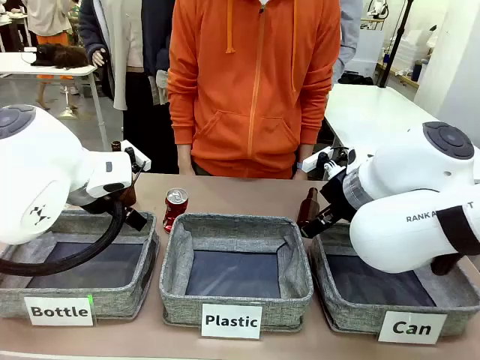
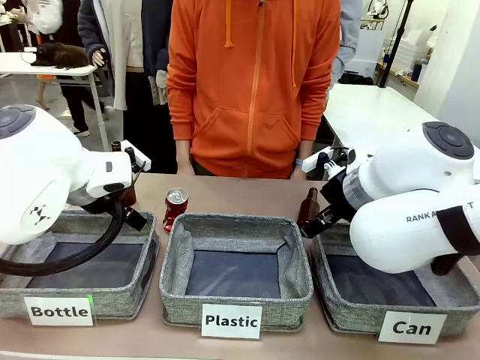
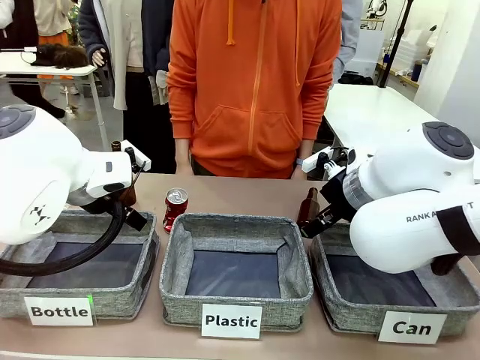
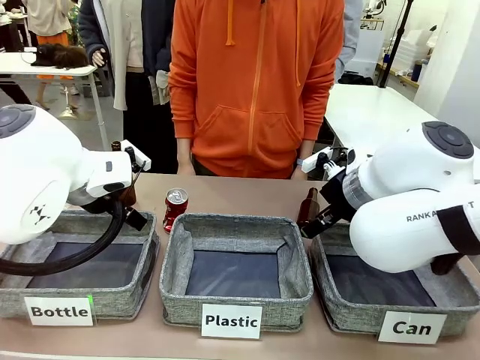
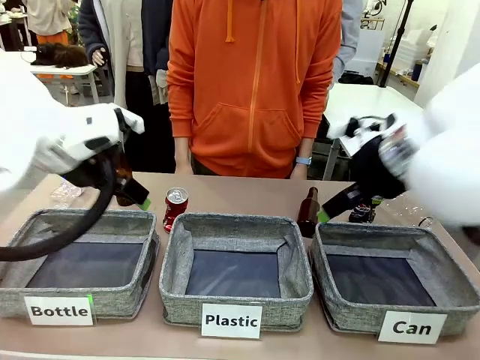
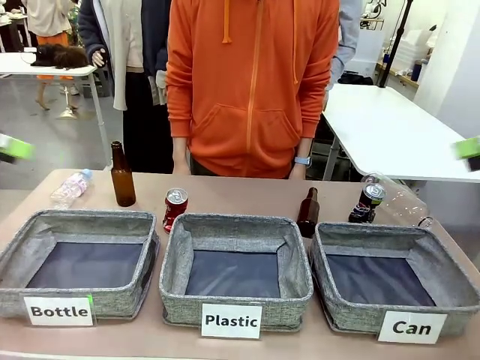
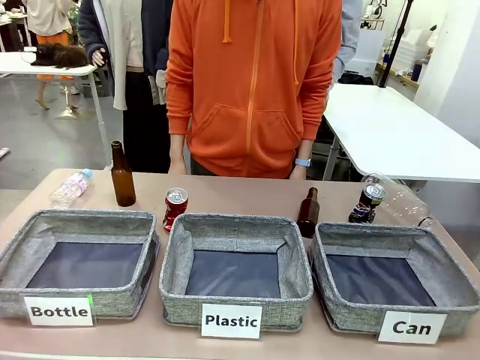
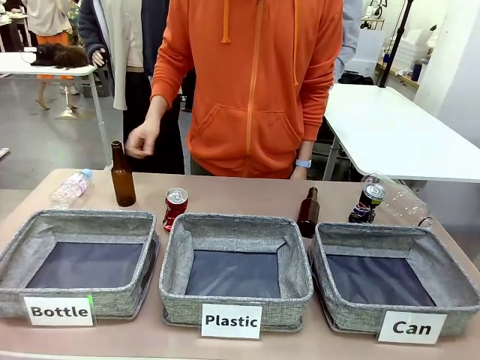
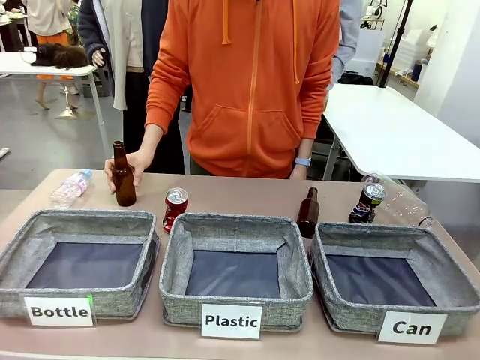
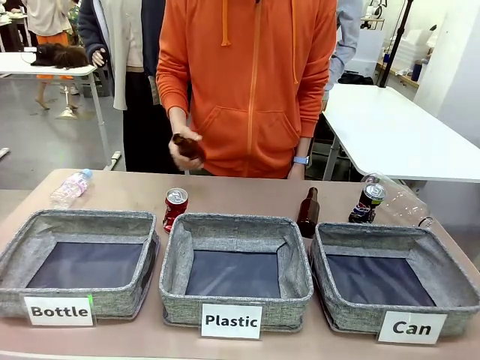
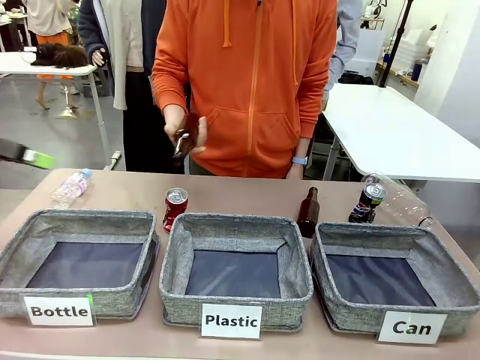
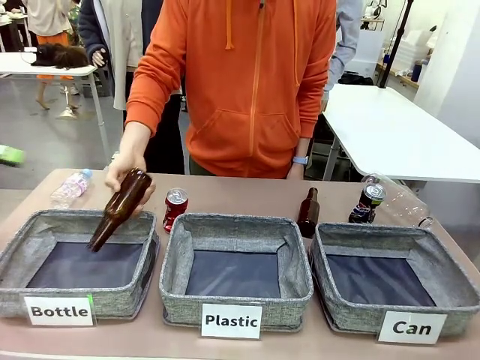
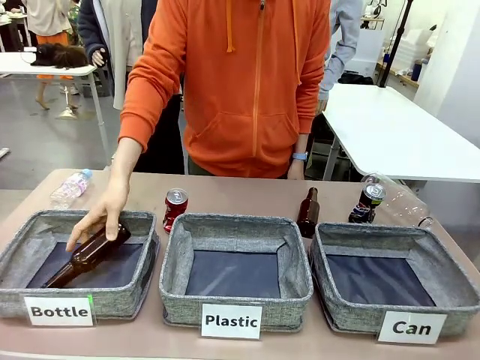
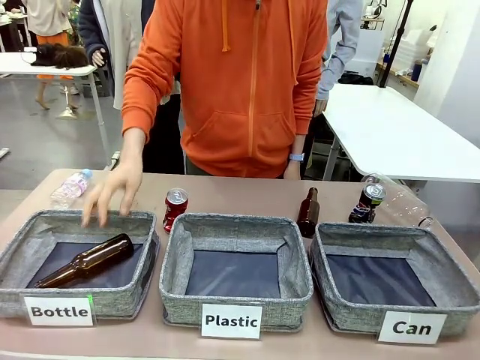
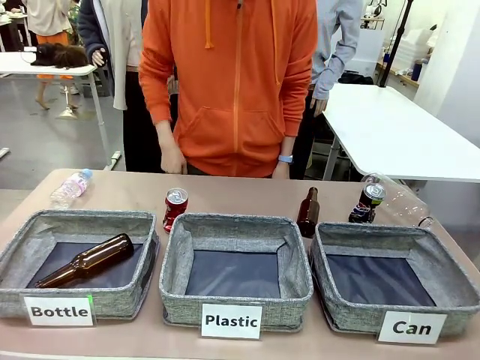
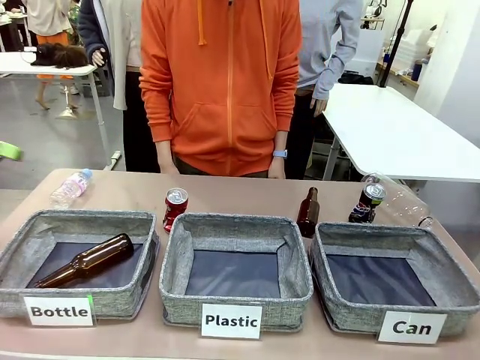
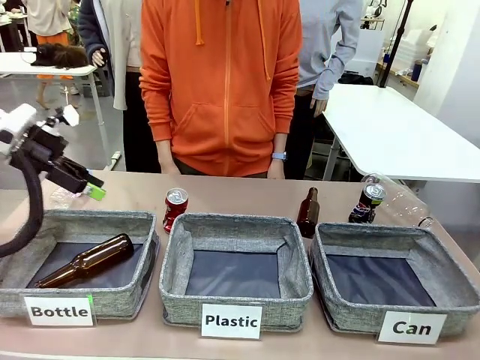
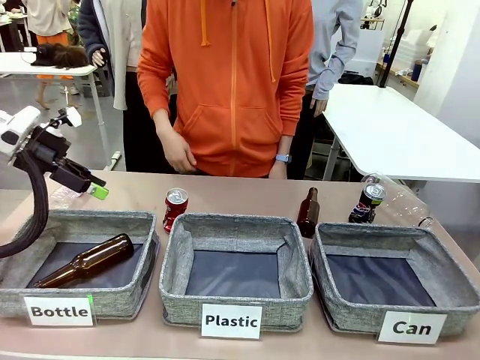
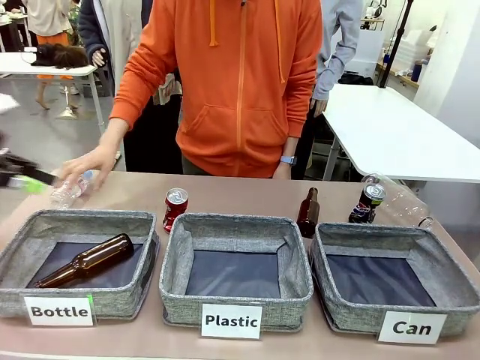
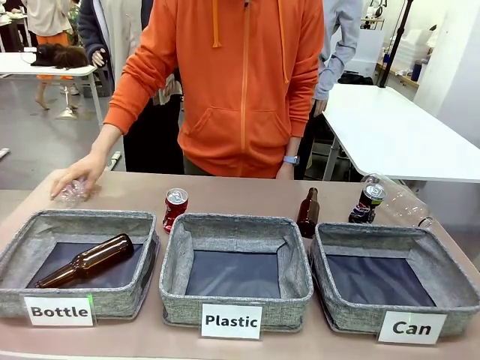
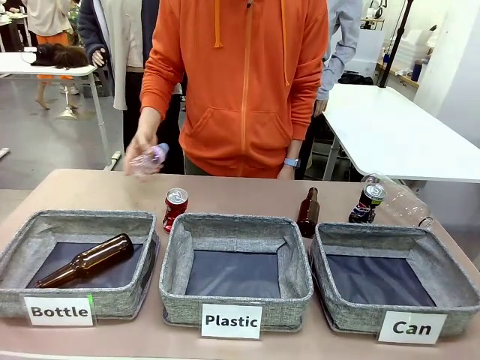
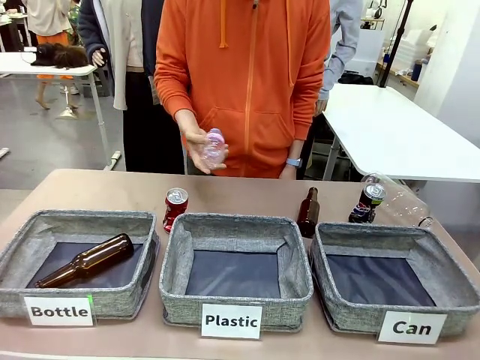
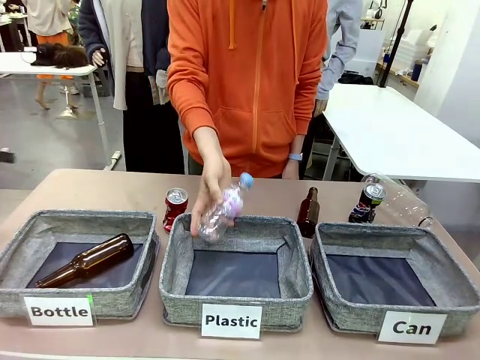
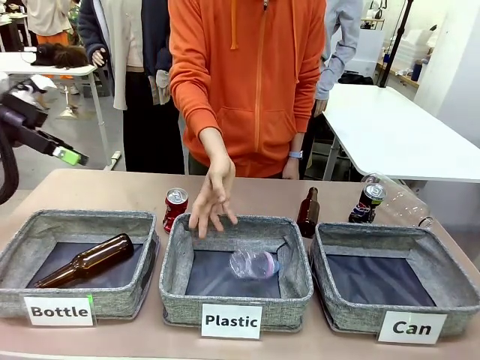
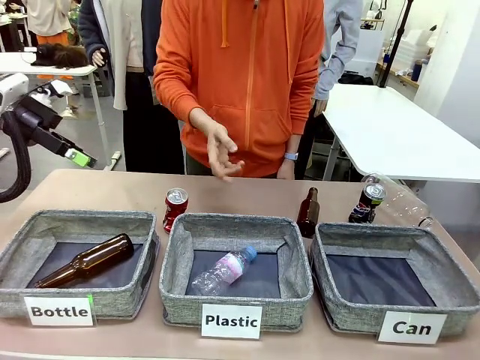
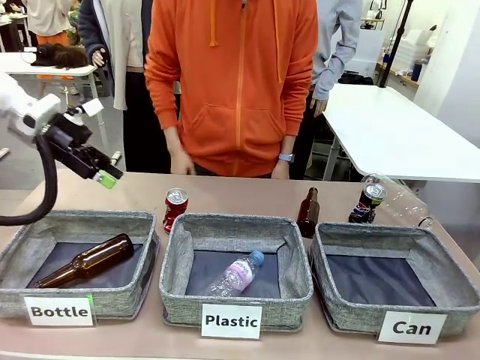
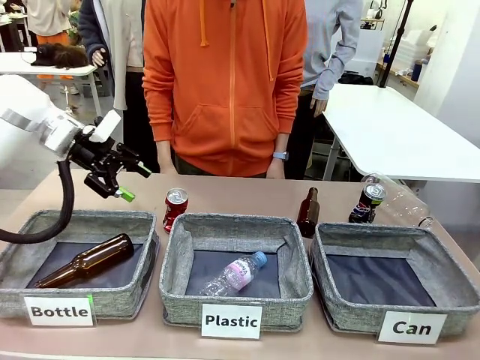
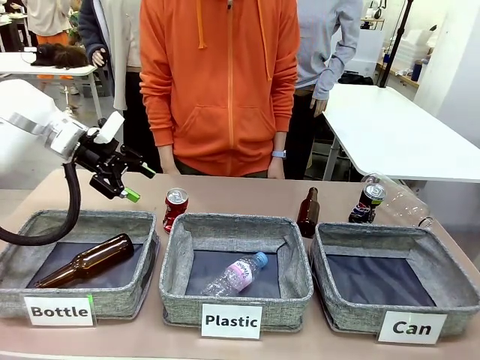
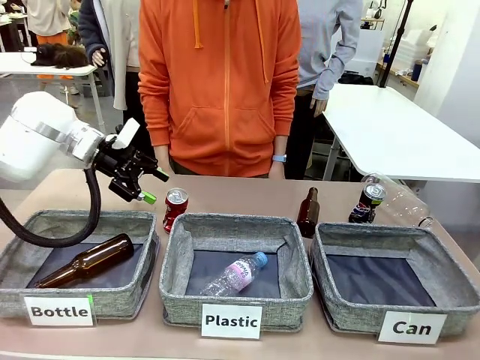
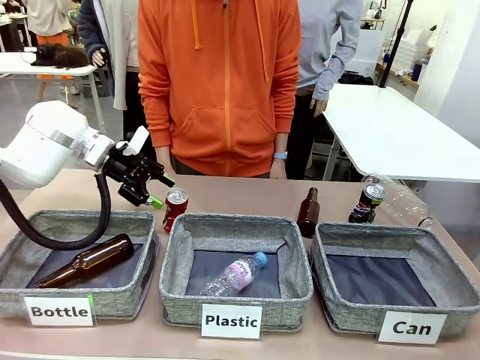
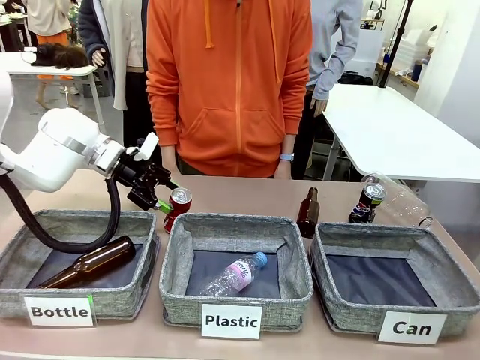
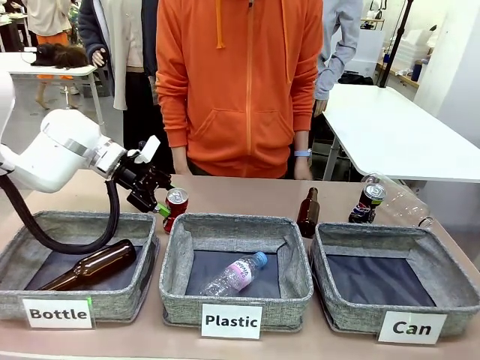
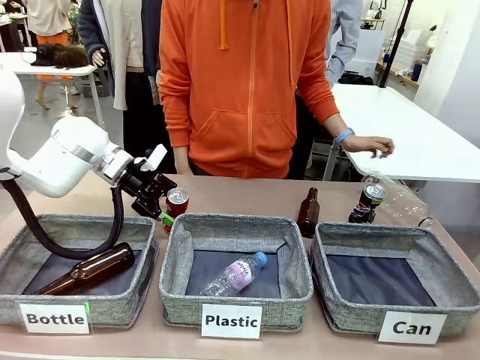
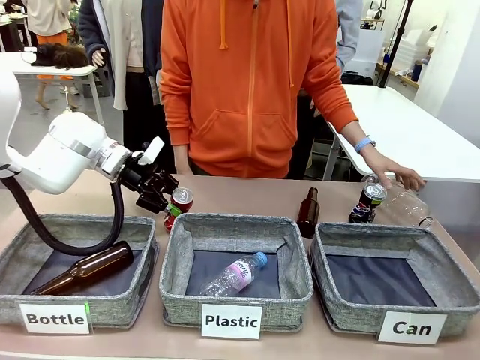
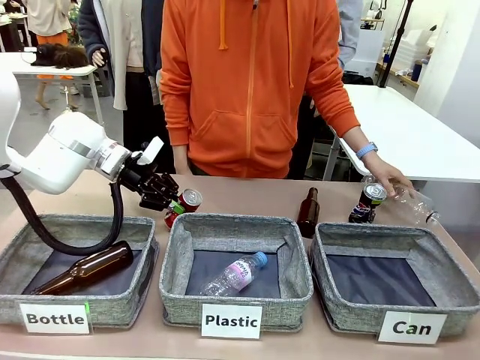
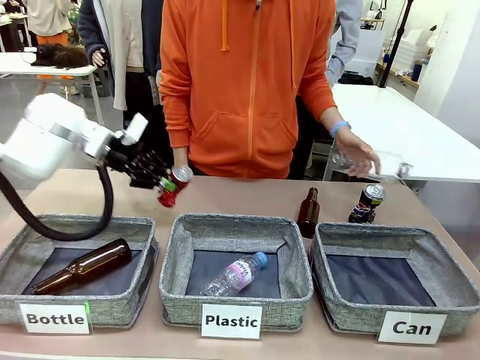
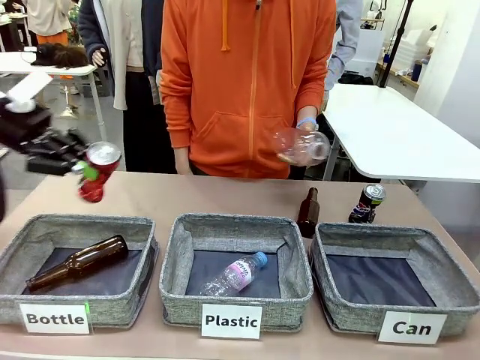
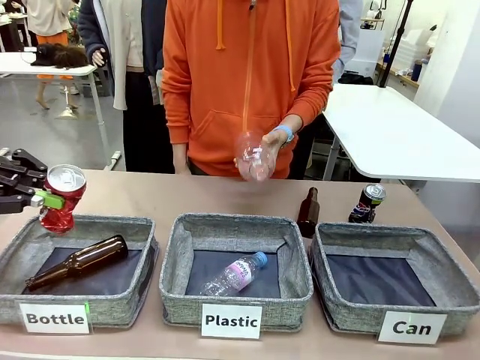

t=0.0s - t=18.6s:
Task: Sort the can waste into the basket.
Robot: Pick up the can waste from the table and place it in the right Fabric basket.

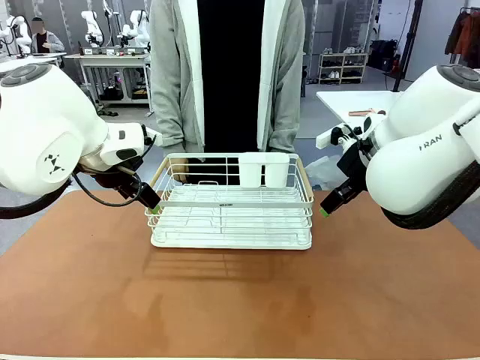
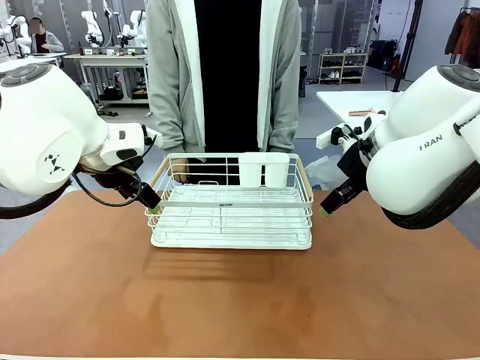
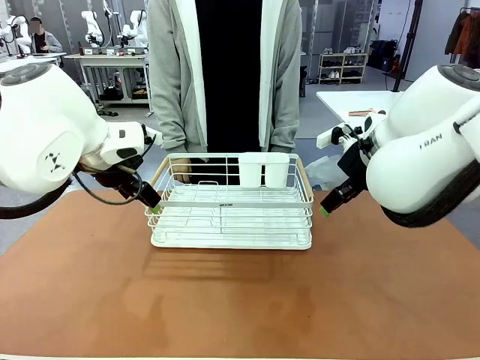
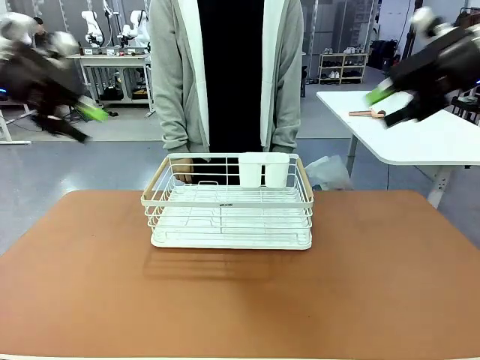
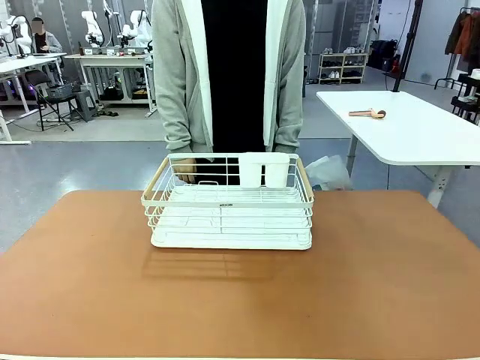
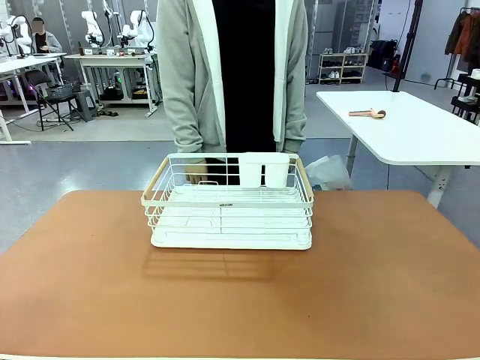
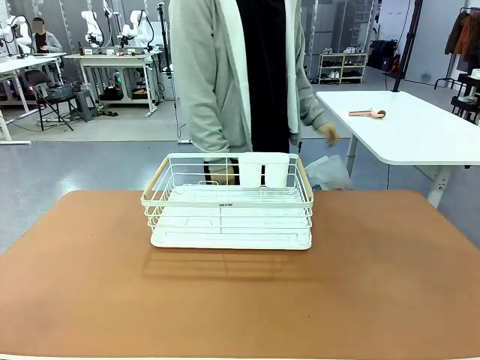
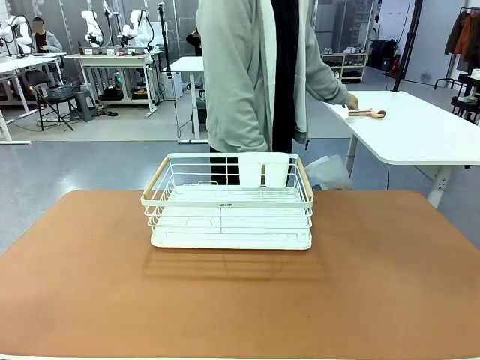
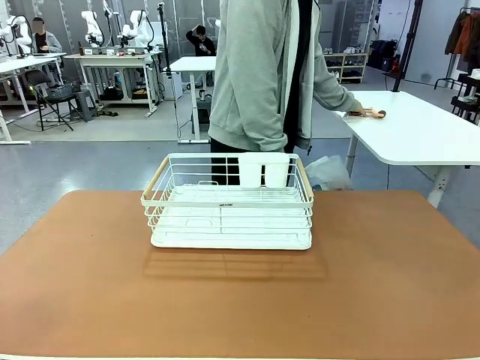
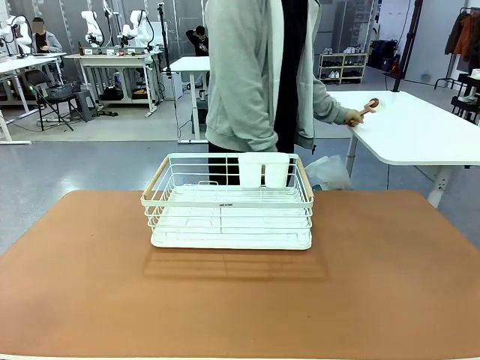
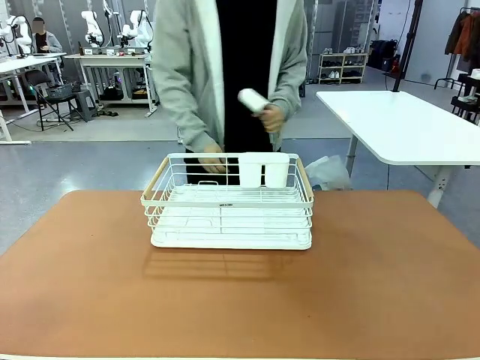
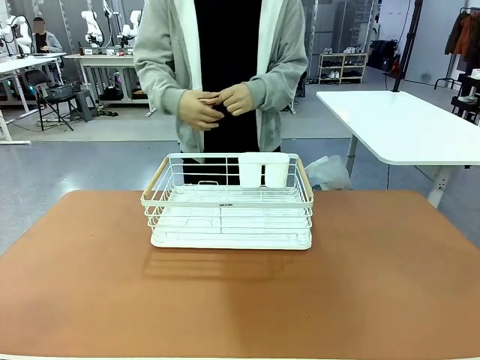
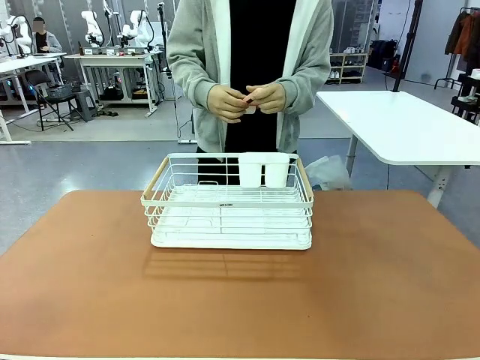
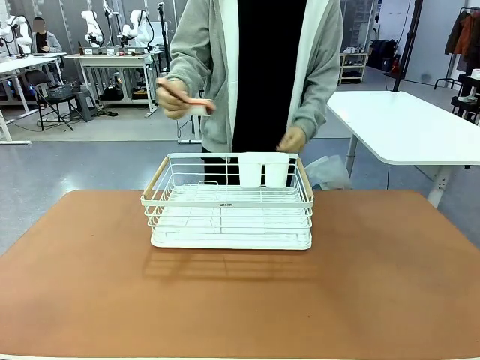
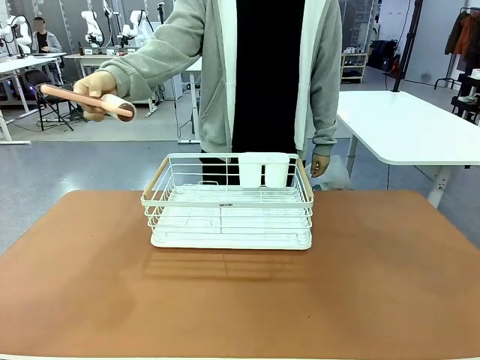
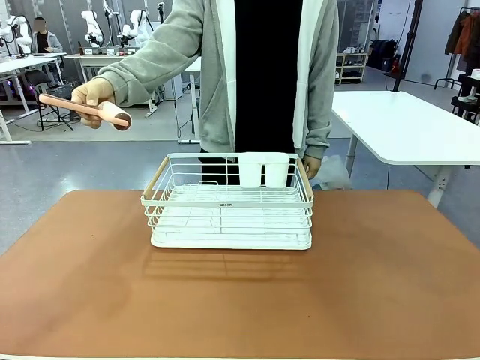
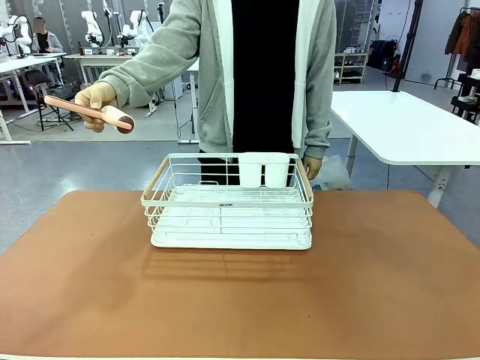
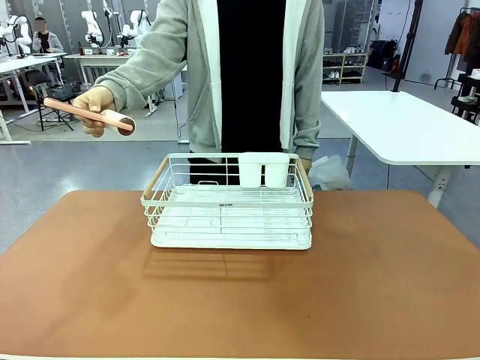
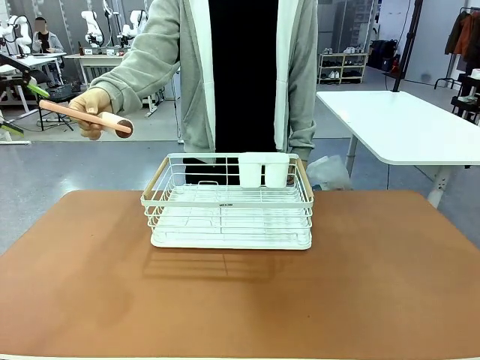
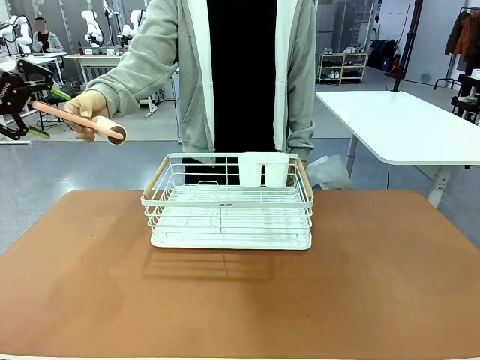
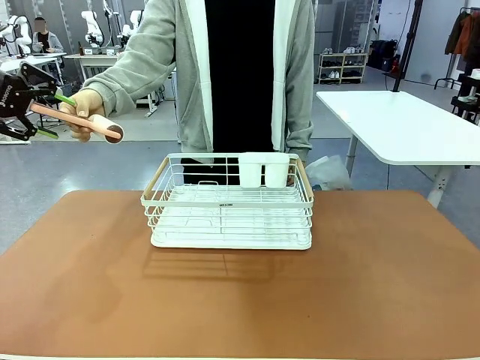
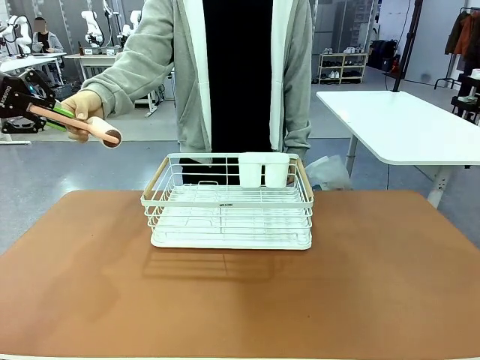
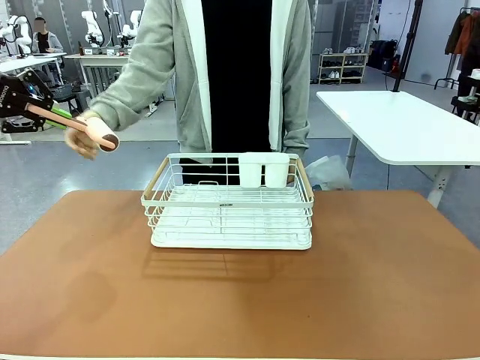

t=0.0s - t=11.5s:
Task: Clean the table.
Robot: Pick up the Lint Roller when the human hands it over.
Person: Hand the Lint Roller to the robot so it can easily pick it up. Lift the Dish drying rack.
